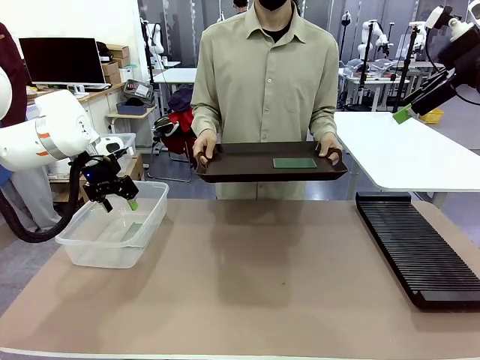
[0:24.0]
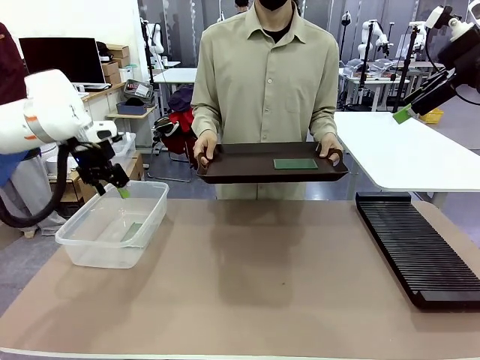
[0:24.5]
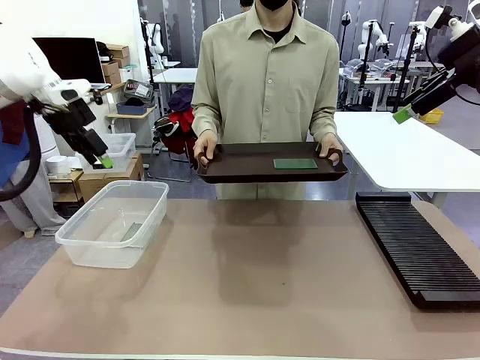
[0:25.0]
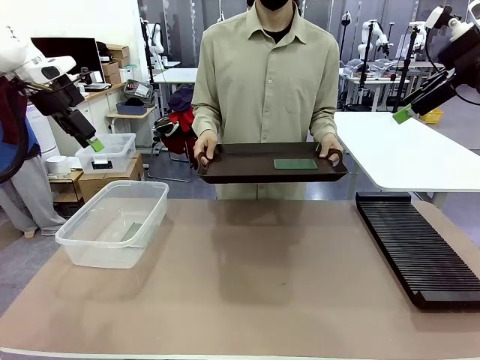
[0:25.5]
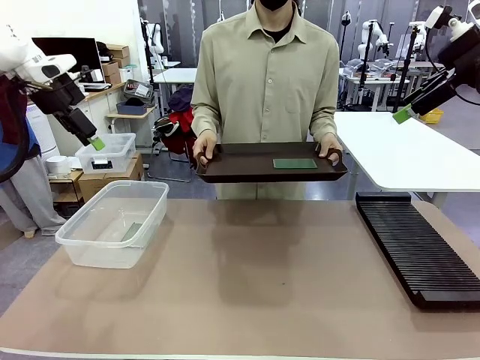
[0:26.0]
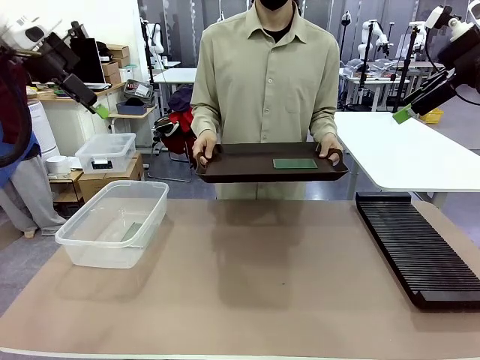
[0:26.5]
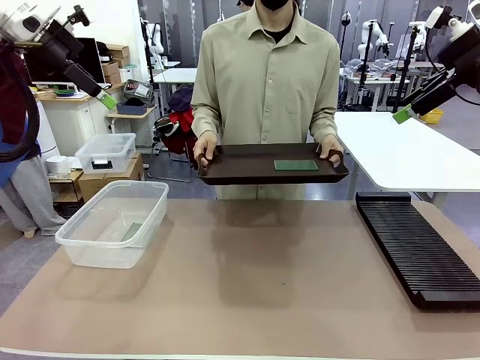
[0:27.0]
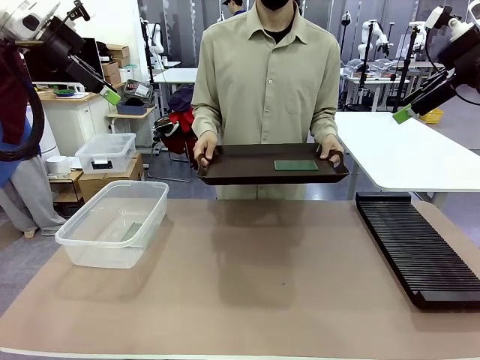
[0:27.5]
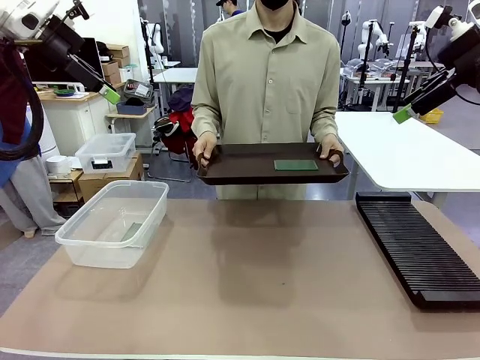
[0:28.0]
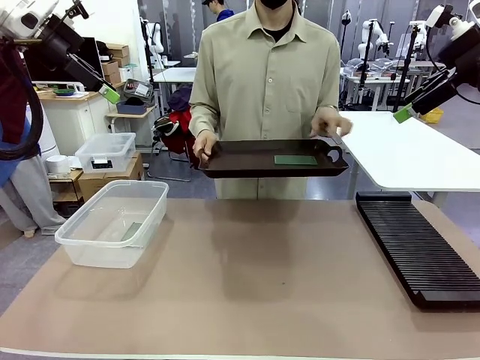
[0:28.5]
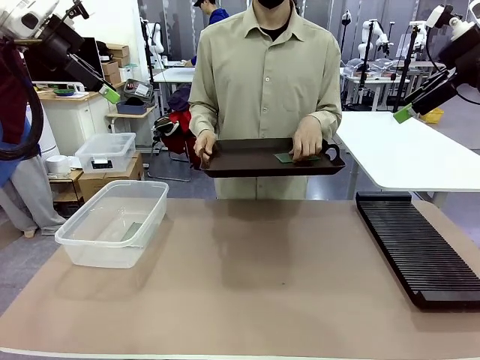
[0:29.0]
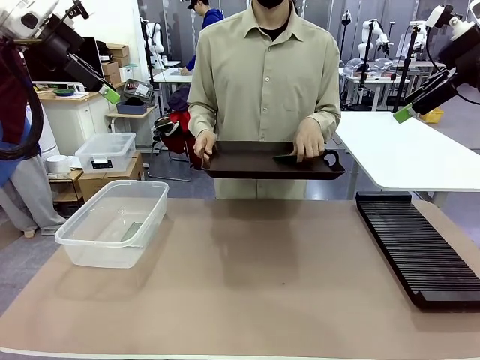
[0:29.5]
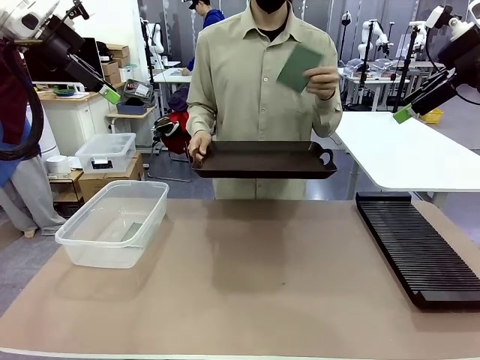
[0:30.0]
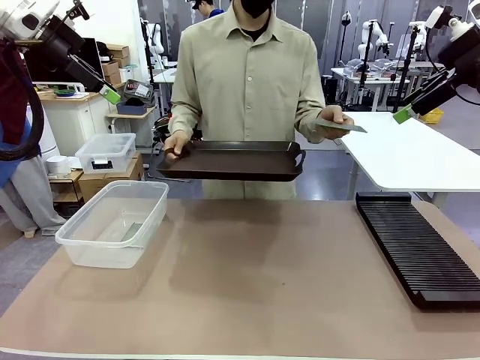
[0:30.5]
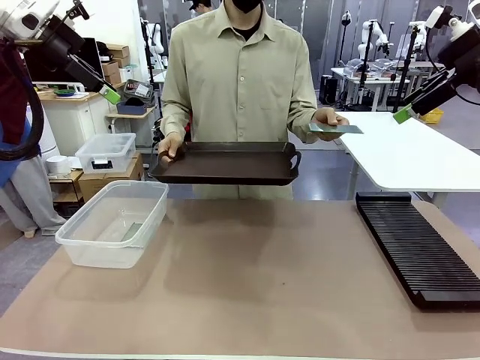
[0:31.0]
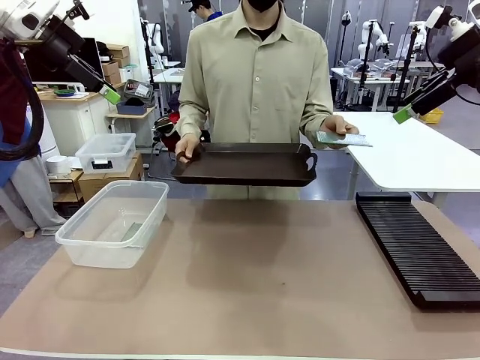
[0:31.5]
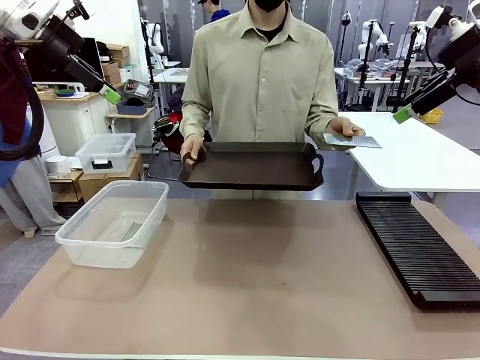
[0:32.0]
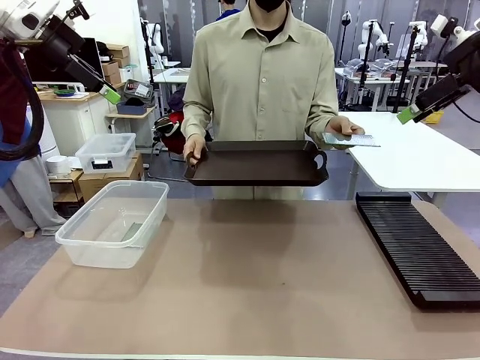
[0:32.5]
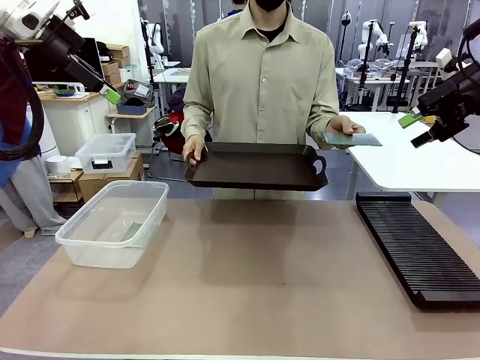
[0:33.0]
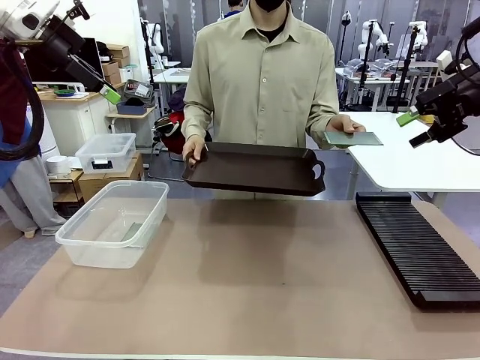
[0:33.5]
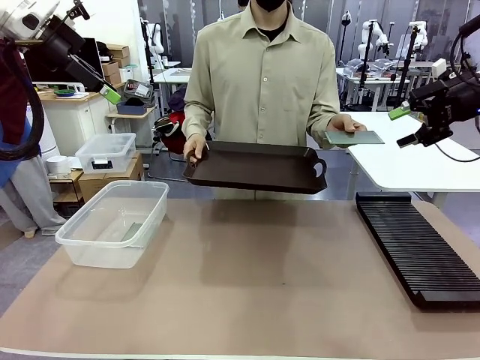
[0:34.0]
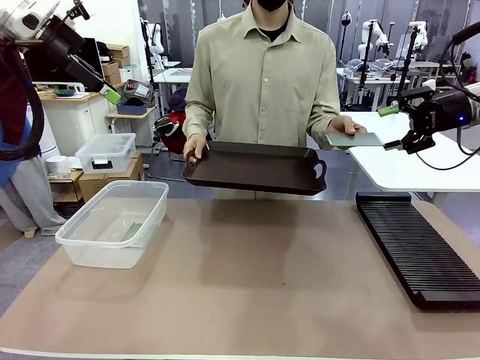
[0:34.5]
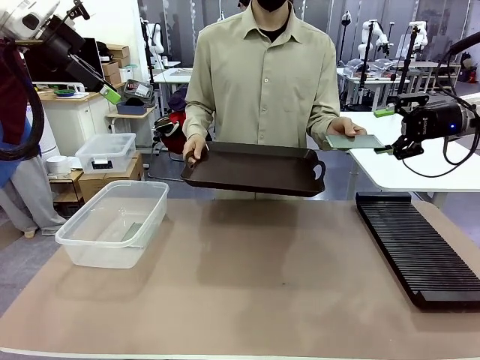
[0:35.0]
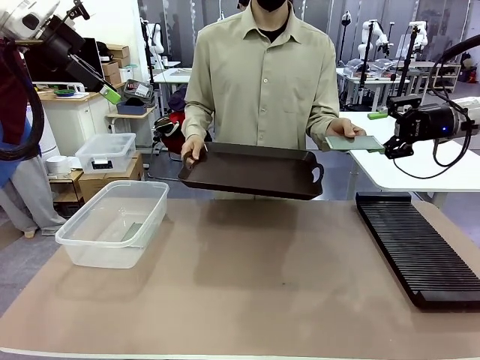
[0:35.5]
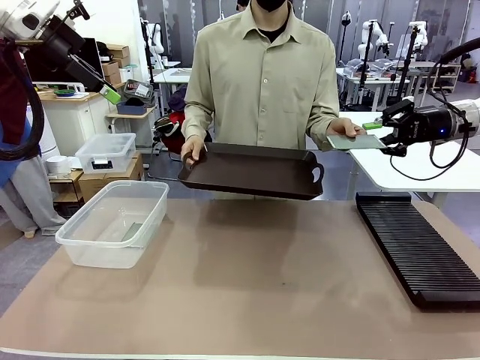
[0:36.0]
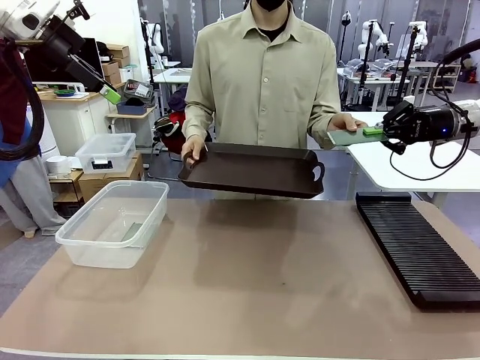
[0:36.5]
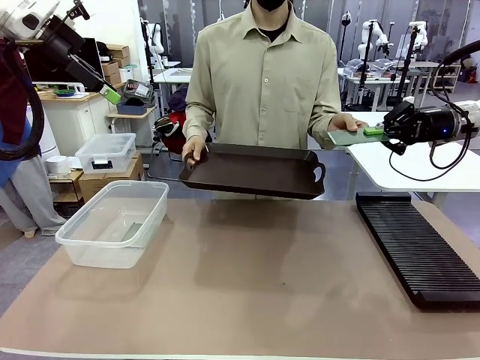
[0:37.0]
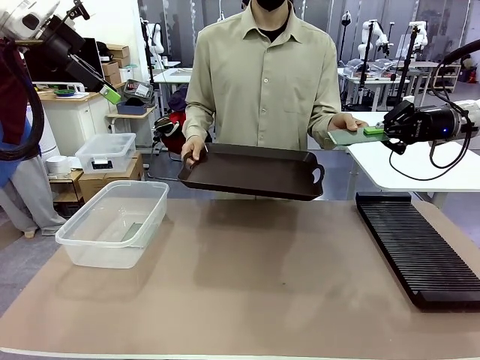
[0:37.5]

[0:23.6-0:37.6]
Task: Sort PCBs into racks and boxes based on the side picked up.
Robot: Pick up the Blank PCB handed by the Human.
Person: Pick one PCB from the tray and present it to the robot.

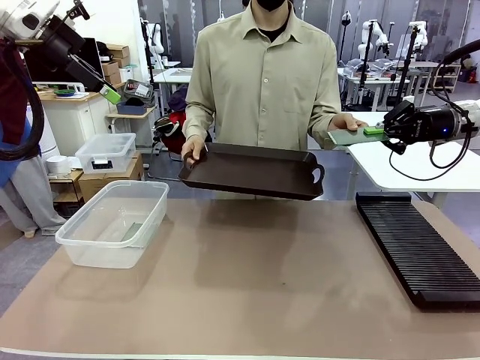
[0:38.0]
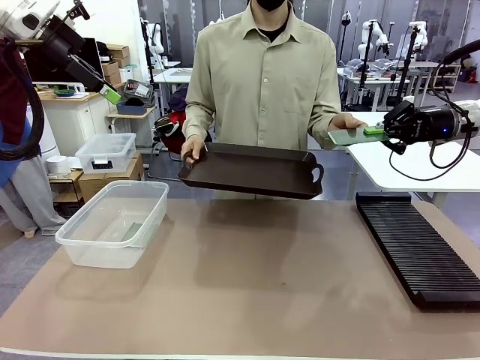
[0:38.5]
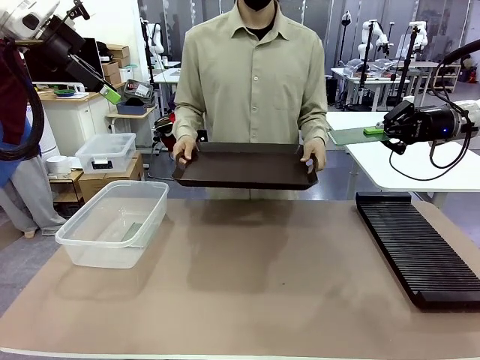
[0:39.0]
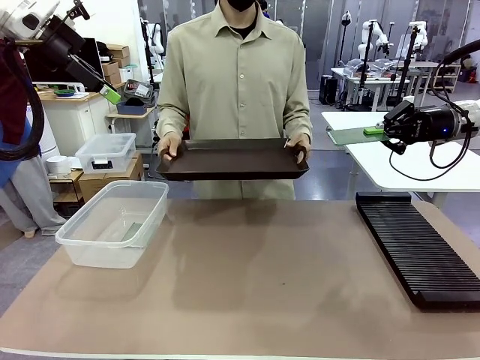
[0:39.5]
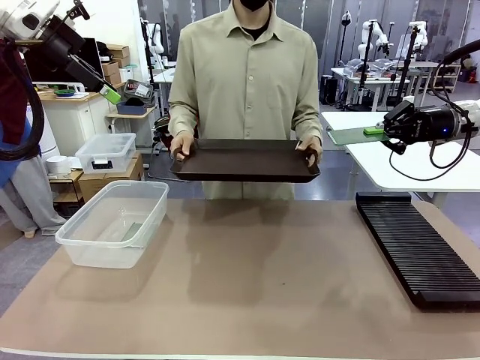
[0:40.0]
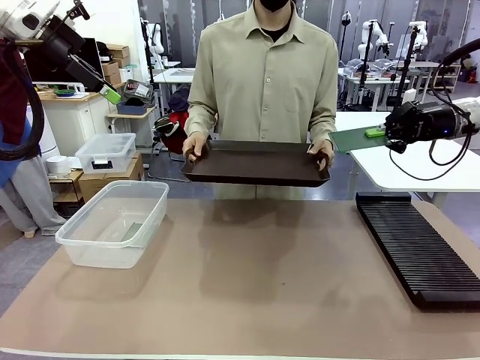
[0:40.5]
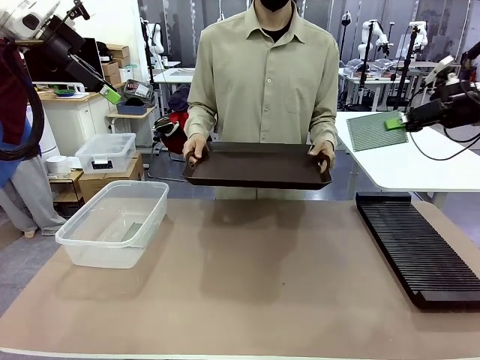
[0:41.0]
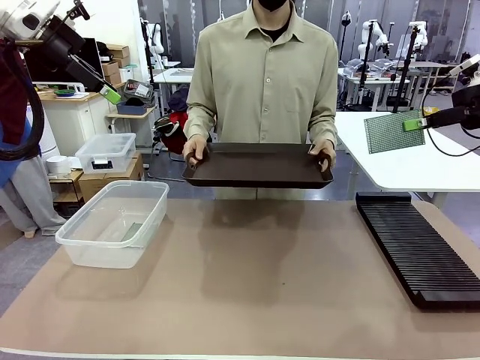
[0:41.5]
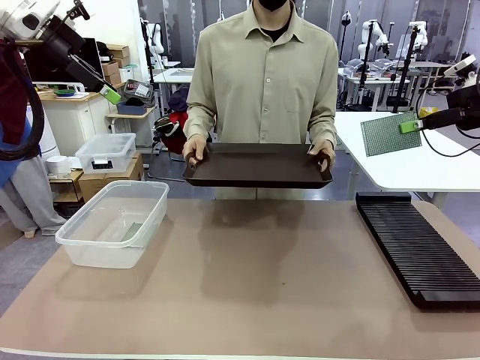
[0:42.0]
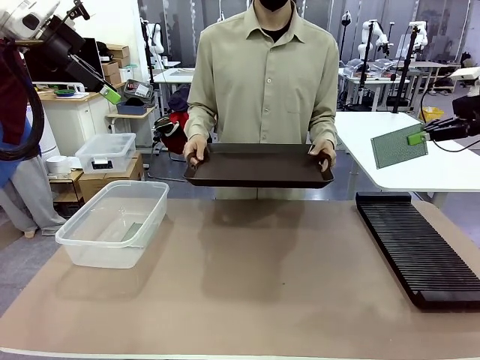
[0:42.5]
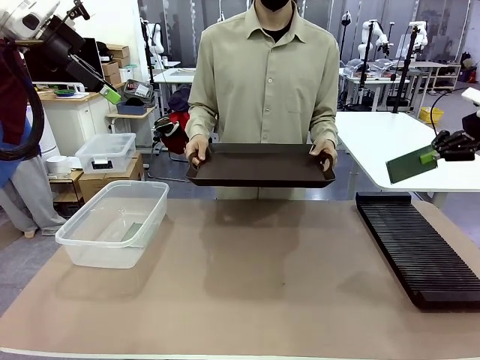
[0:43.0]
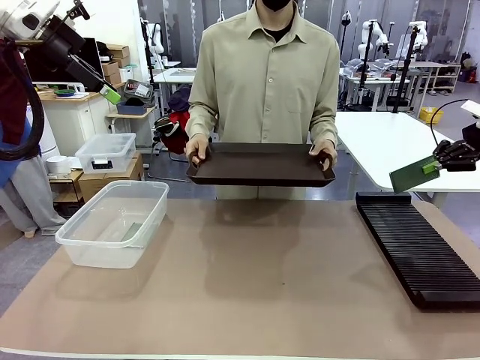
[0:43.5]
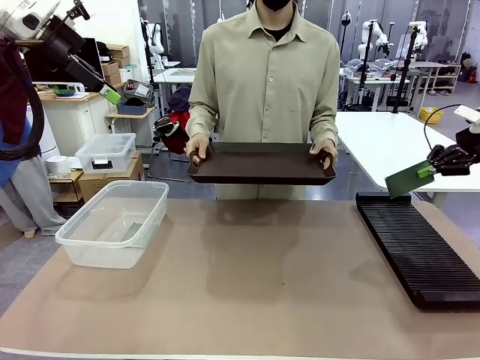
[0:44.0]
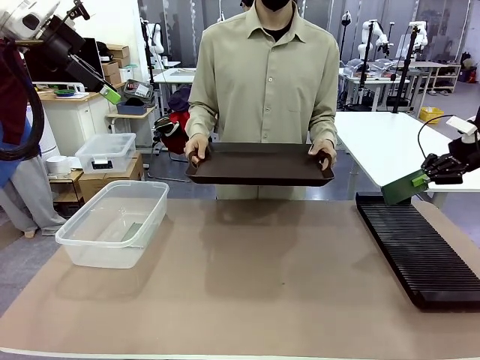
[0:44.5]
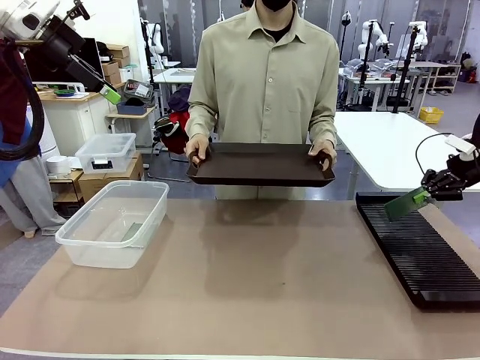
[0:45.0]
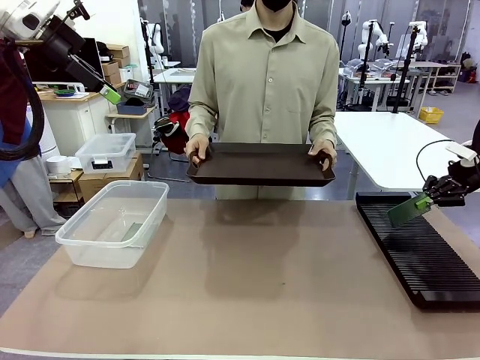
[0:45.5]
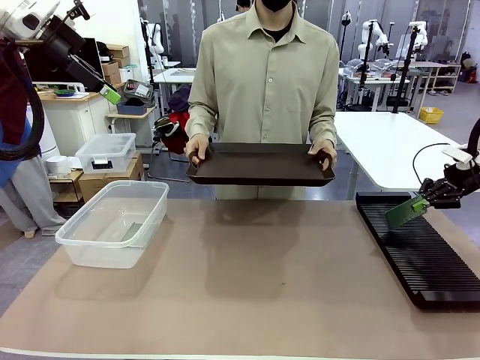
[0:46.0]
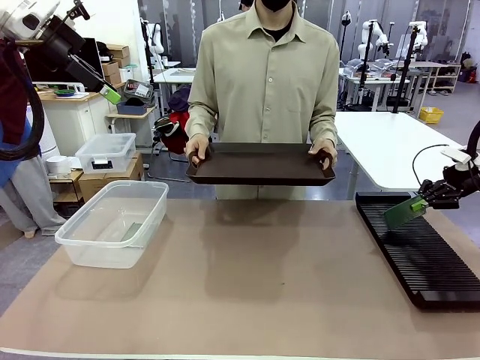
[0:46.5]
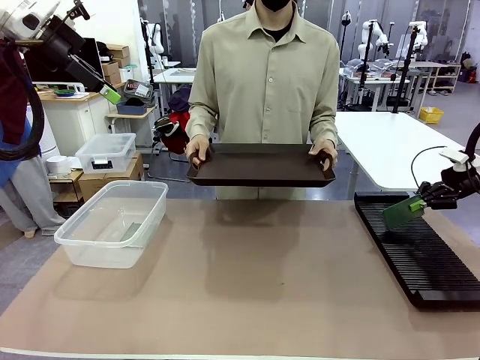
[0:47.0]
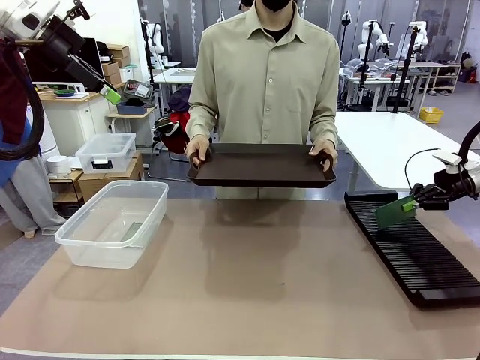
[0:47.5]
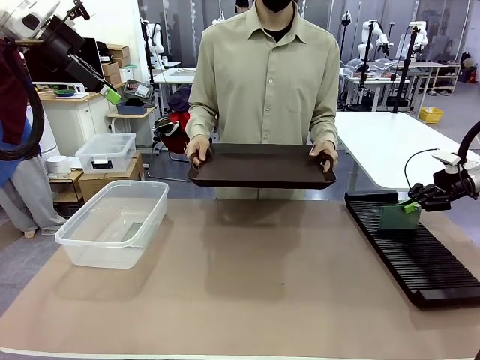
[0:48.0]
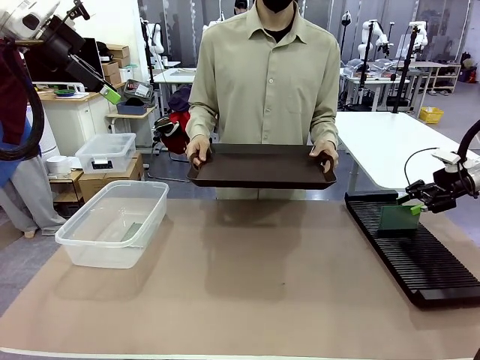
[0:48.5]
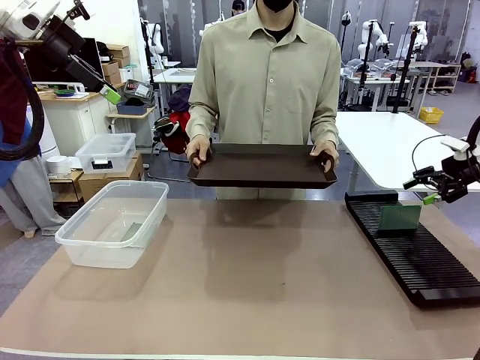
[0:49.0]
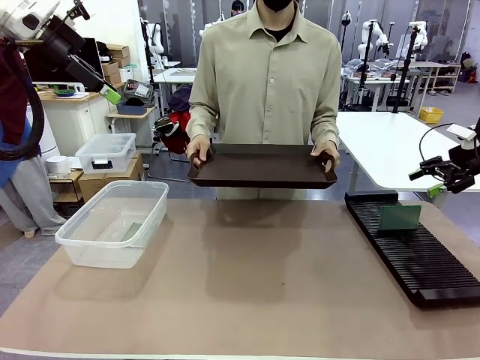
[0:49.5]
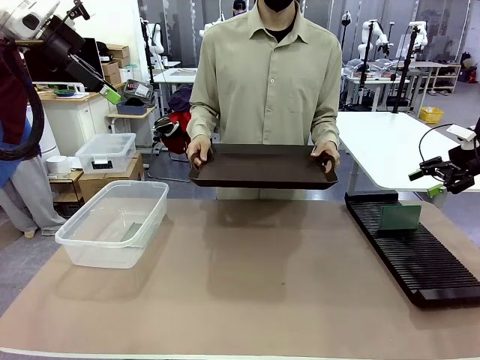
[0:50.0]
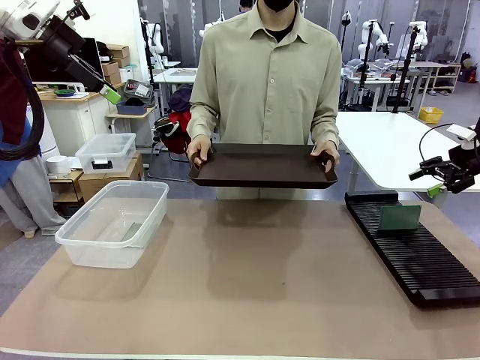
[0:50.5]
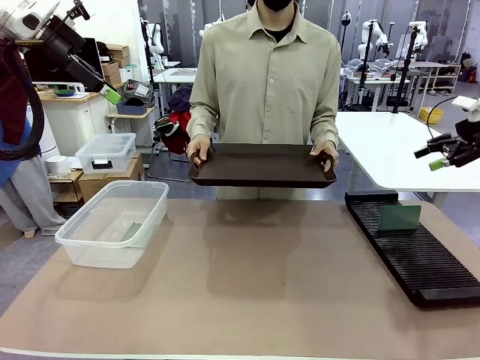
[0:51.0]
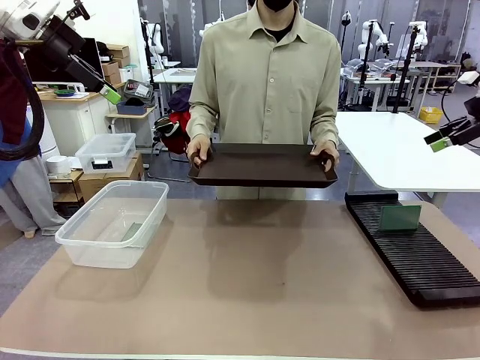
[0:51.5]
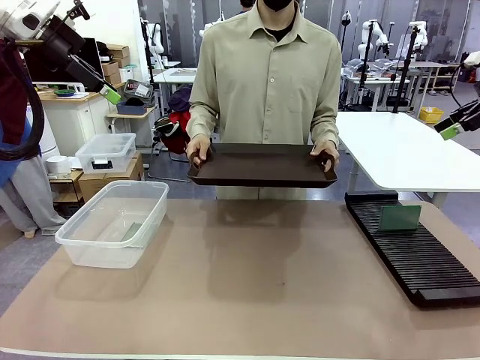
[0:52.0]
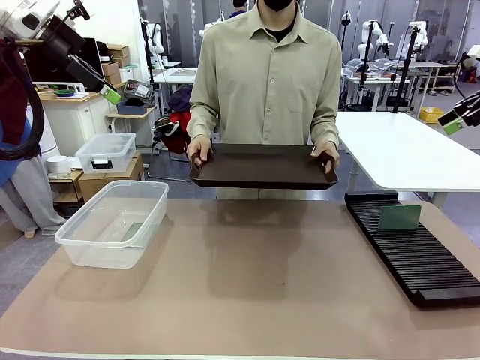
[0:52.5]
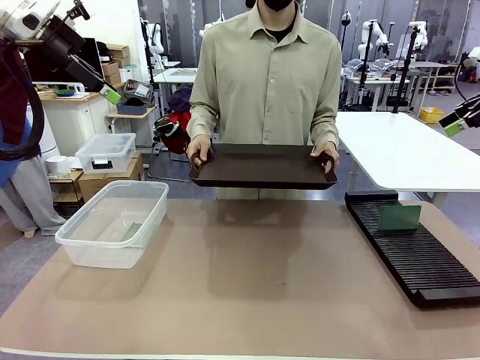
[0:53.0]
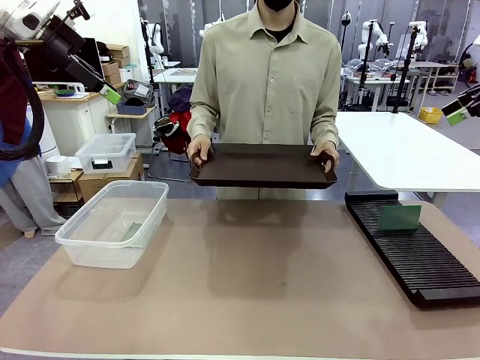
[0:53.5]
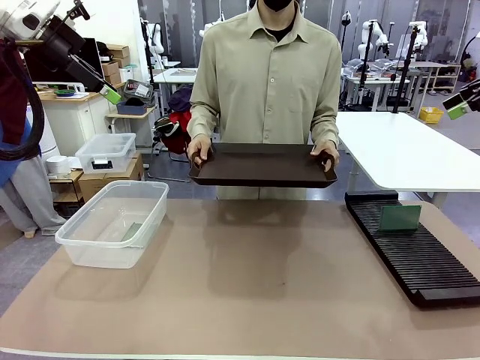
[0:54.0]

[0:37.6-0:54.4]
Robot: If the short side of the Blank PCB is picked up, insert it into the PCB Rack ; if the long side is picked up, place it in the Organizing box.
Person: Release the PCB being held.
